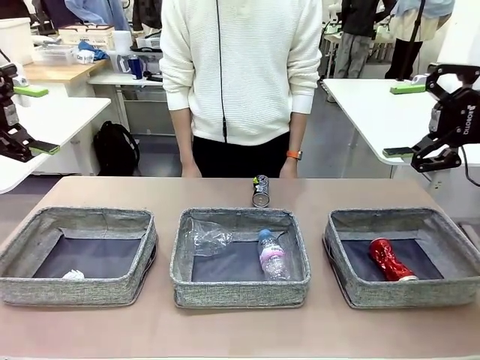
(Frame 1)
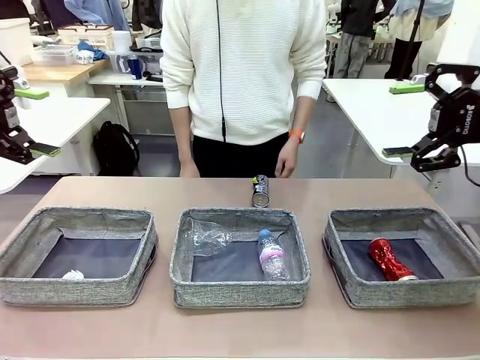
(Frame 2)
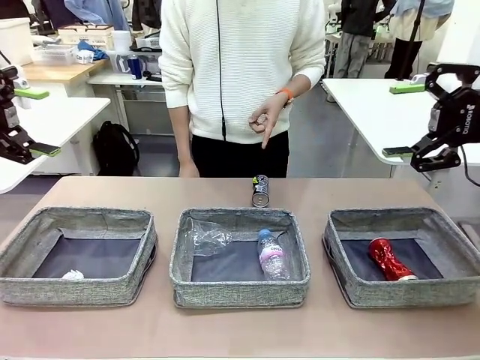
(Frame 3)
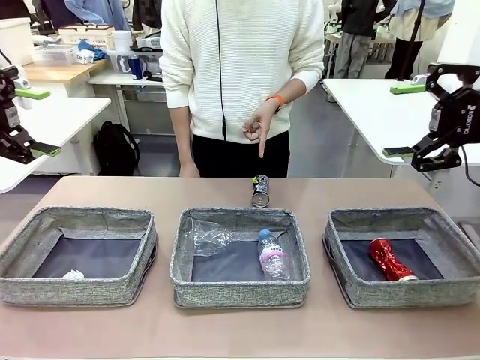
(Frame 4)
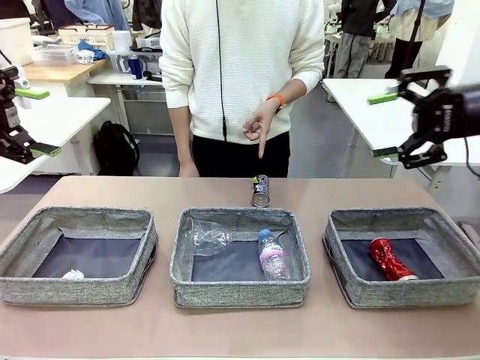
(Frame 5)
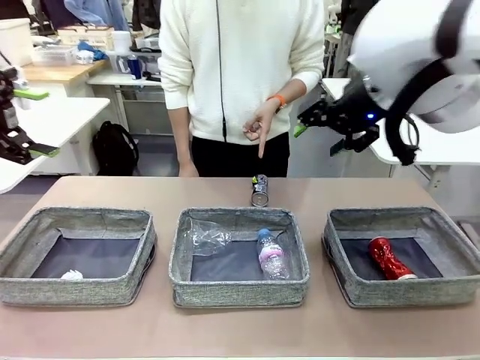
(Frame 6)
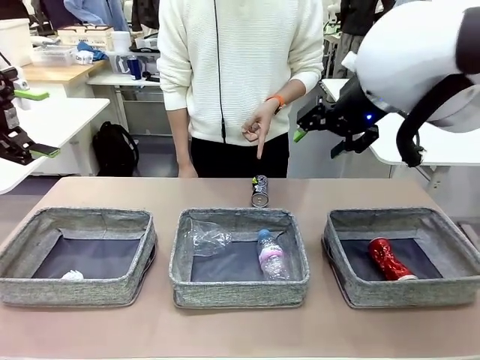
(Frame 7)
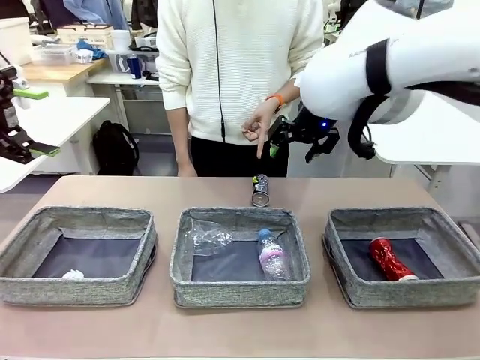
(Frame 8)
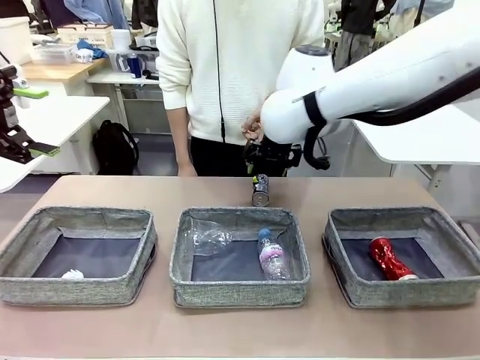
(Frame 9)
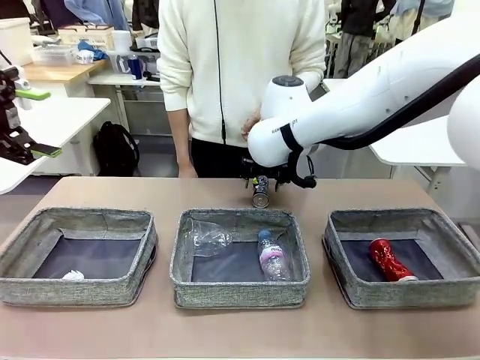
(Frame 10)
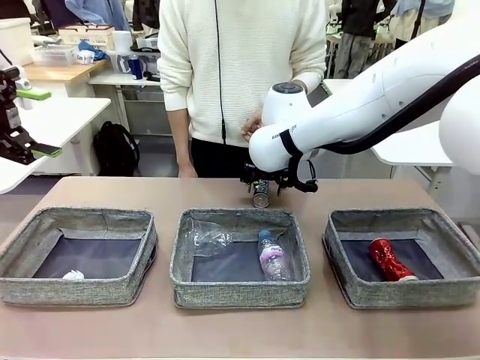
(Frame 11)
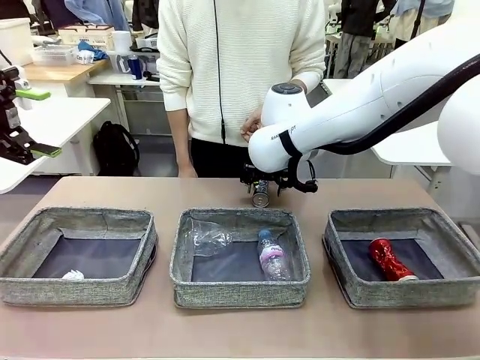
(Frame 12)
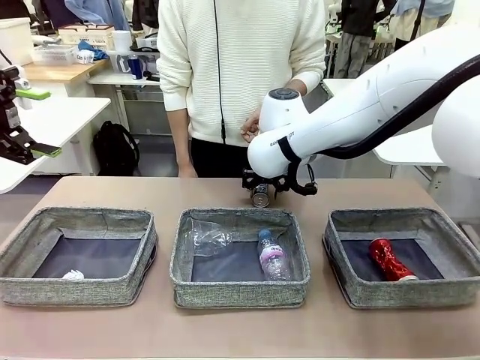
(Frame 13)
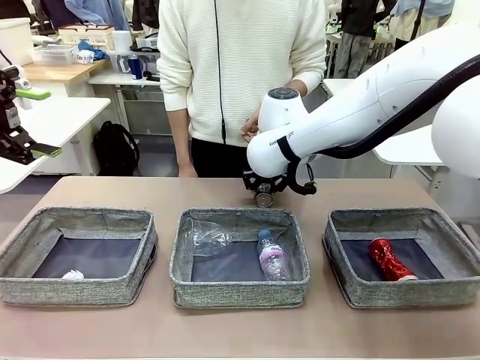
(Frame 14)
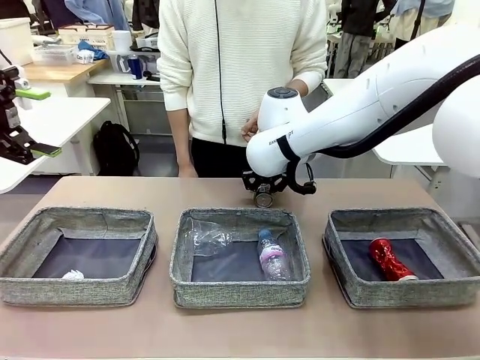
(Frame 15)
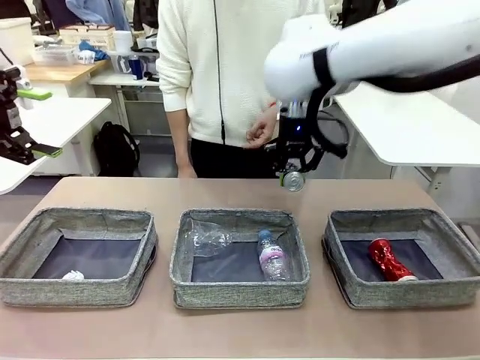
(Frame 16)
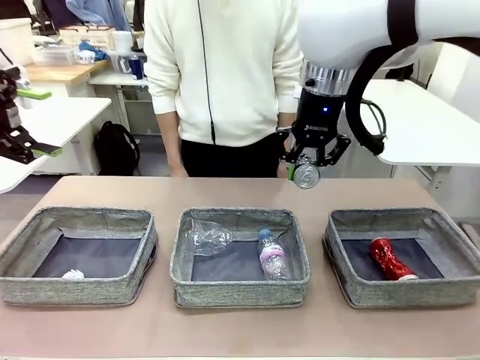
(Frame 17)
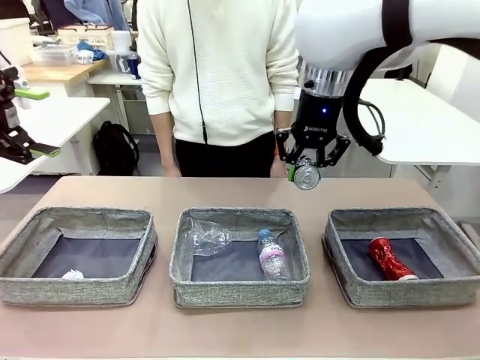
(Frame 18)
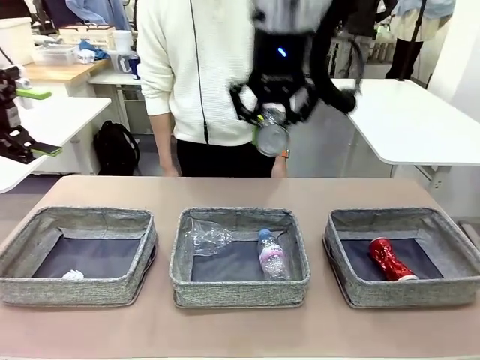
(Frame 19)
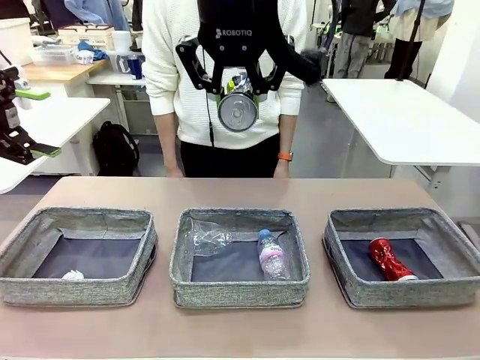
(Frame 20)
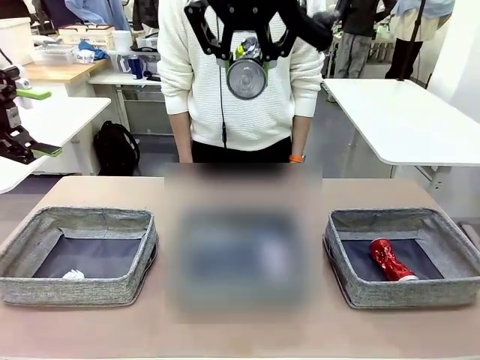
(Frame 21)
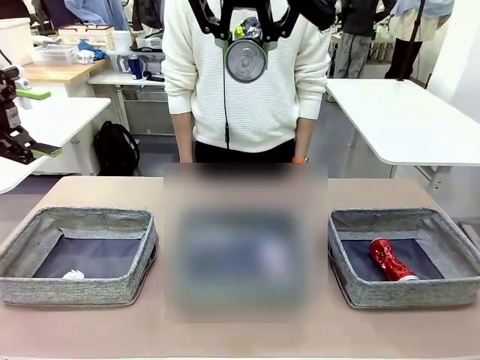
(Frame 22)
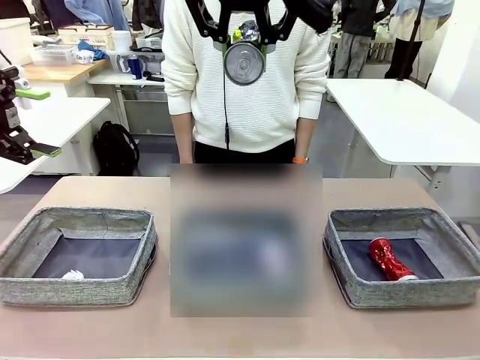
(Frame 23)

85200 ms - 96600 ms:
Task: Sort the waste into the appropriate baskets.
Robot: Pick up the waste item pointed out by the person.
Person: Points to one piece of trash on the table.

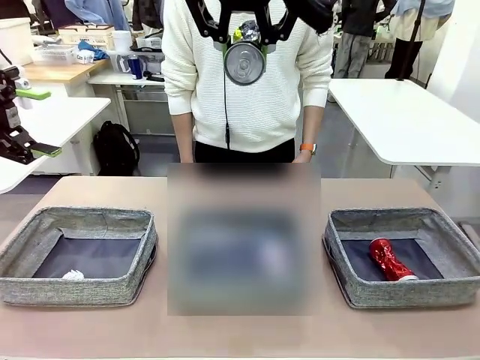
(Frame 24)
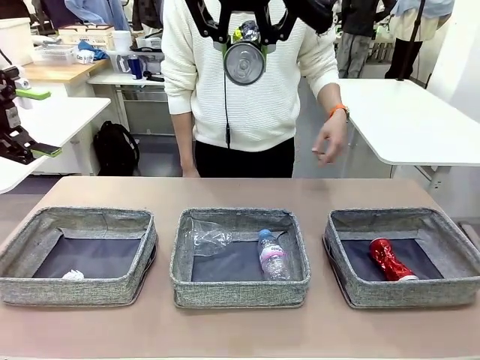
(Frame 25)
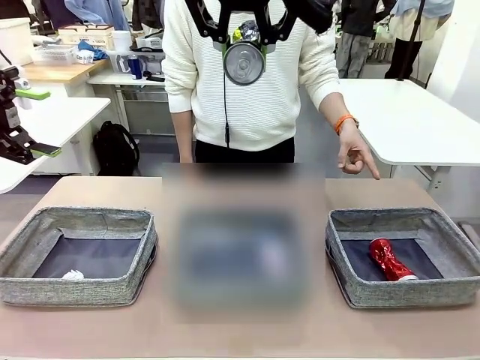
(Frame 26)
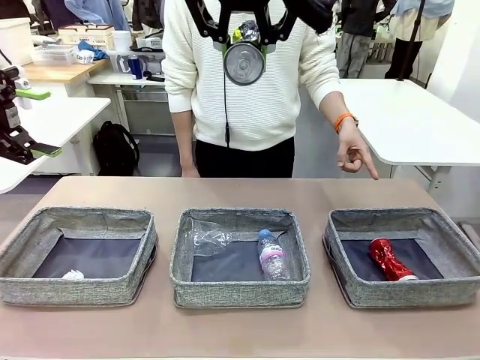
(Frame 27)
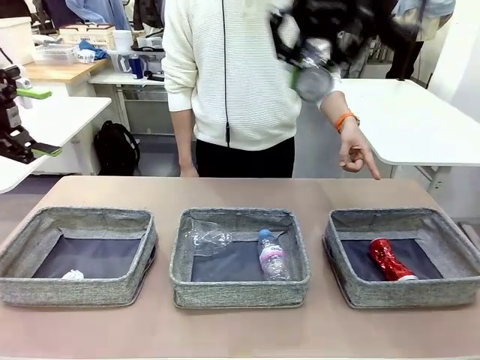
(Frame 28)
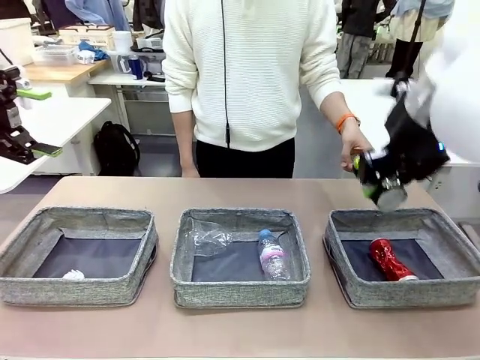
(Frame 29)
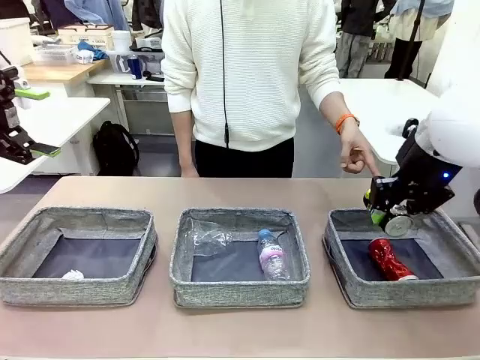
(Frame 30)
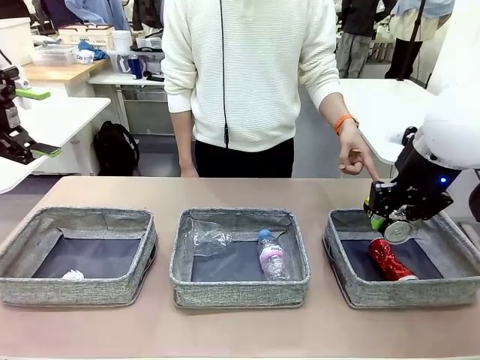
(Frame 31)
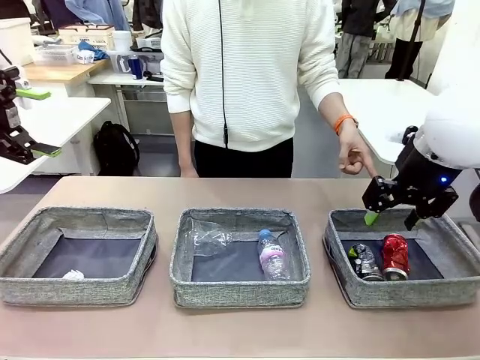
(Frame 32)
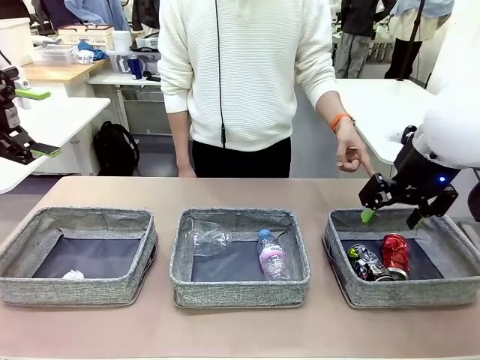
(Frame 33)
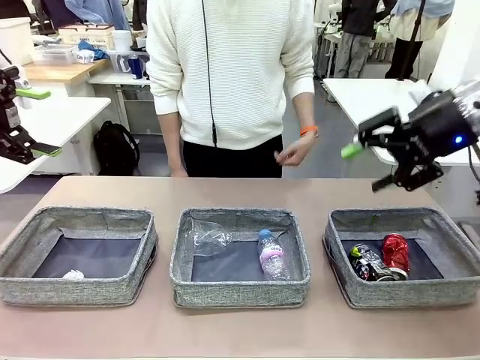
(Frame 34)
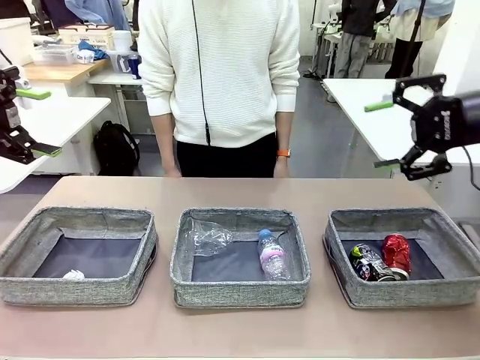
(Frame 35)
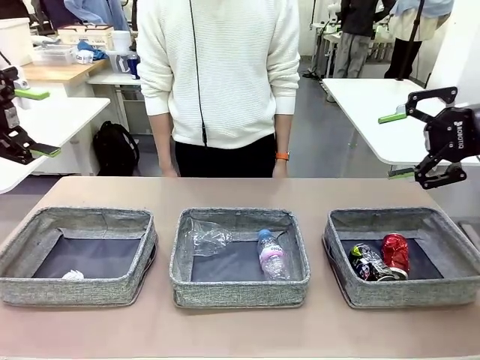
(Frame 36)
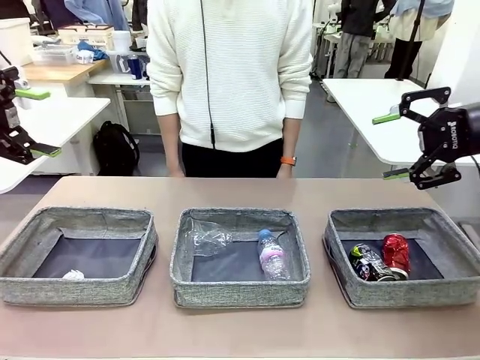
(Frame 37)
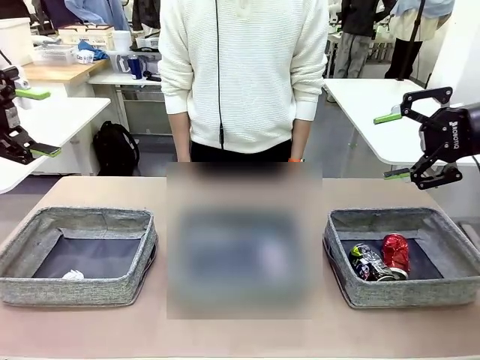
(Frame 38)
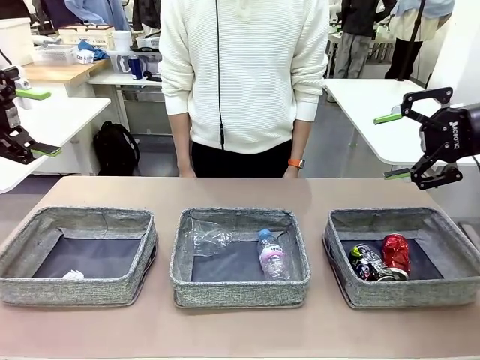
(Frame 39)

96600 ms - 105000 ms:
Robot: Place the picked waste into the Fabric basket indicated by the person.
Person: Instructs the robot to place the picked-up trash into the appropriate organizing basket.

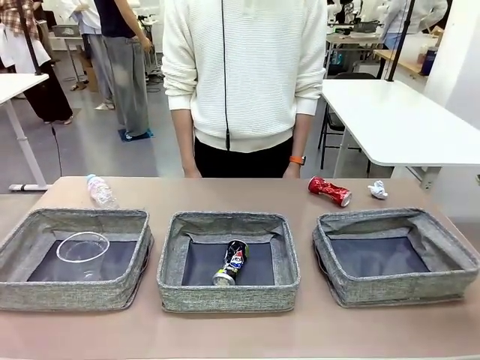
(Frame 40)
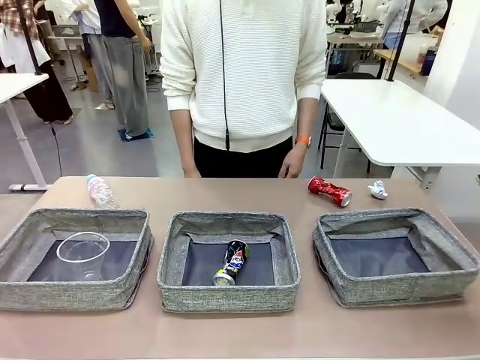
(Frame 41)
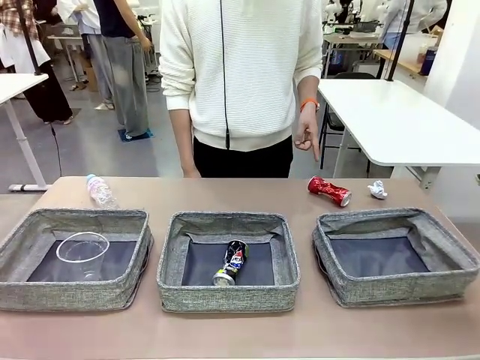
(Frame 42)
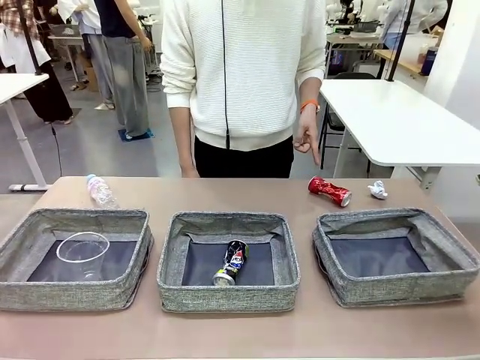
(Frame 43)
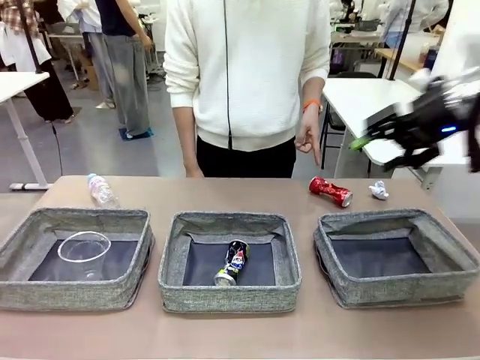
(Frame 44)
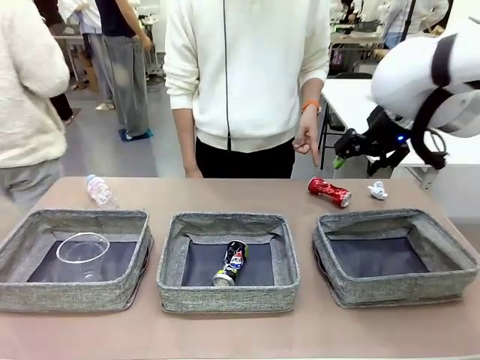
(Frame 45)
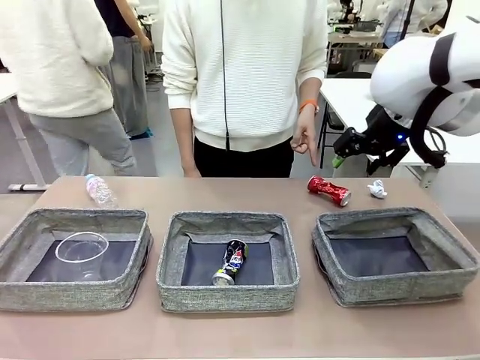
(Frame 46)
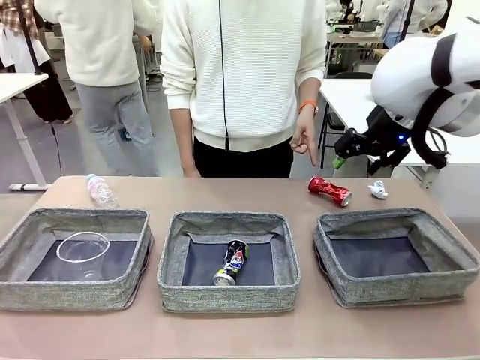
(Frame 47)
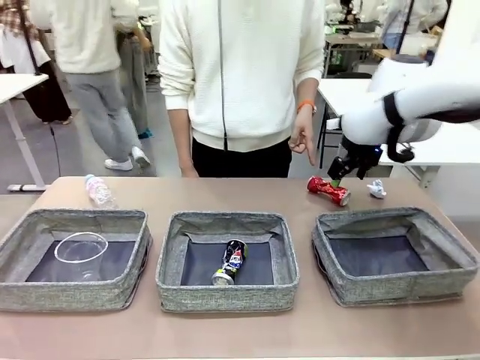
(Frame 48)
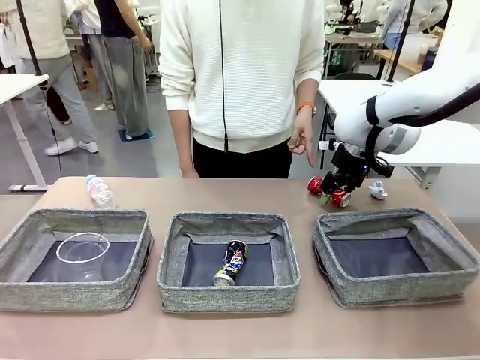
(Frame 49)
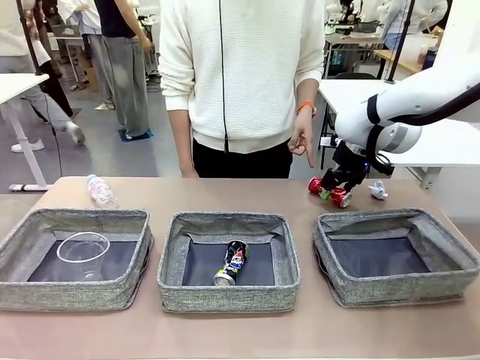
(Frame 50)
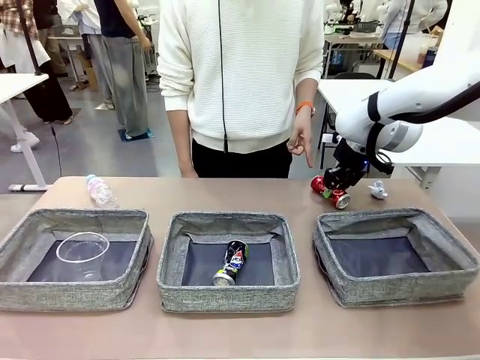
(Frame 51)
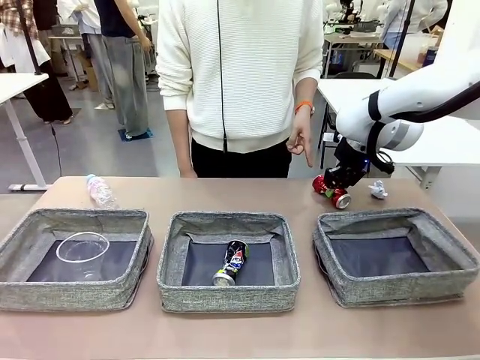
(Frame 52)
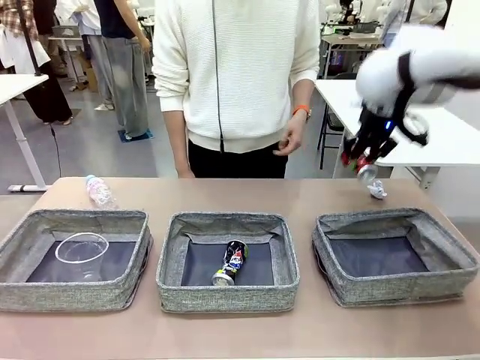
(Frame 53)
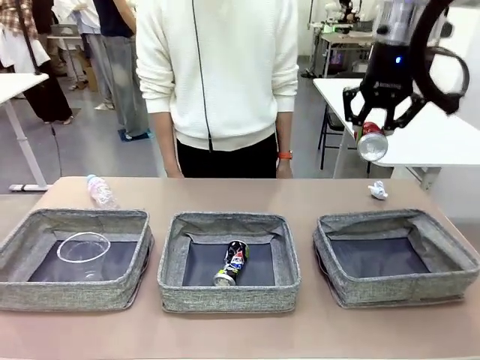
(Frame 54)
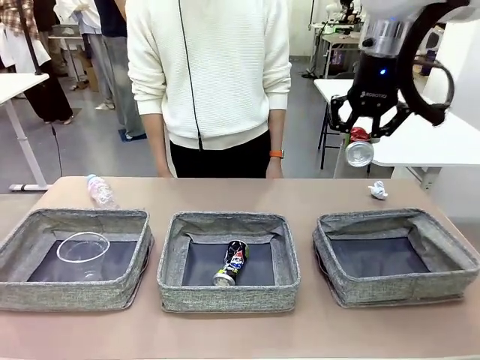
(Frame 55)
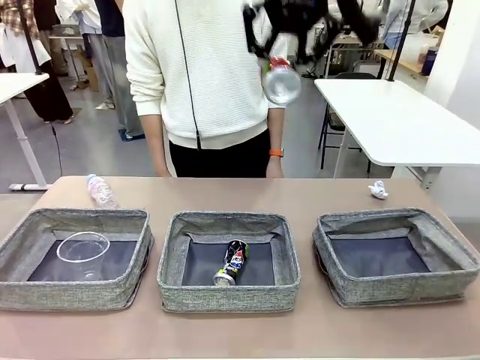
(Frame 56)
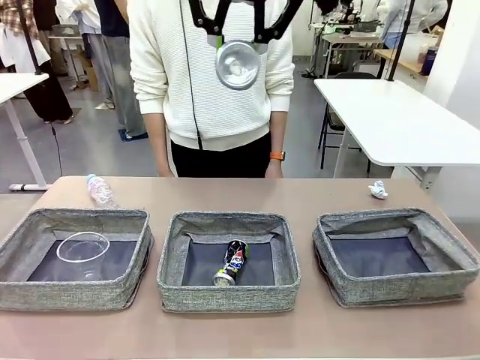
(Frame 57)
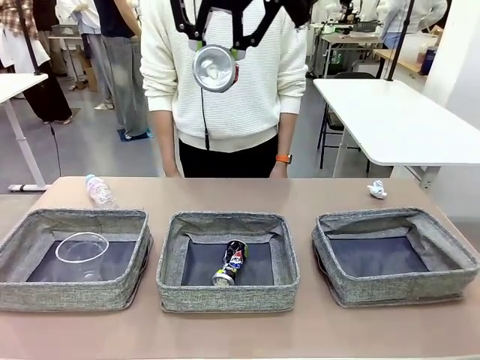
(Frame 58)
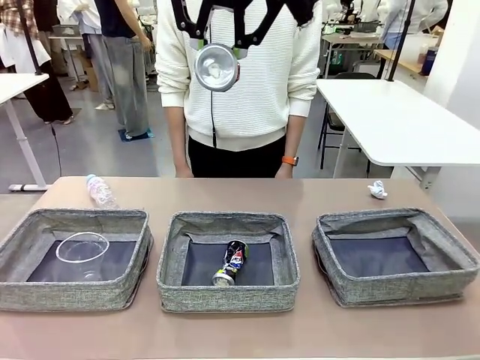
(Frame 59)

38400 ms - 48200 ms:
Task: Sort the waste into the appropriate baskets.
Robot: Pick up the waste item pointed out by the person.
Person: Points to one piece of trash on the table.
